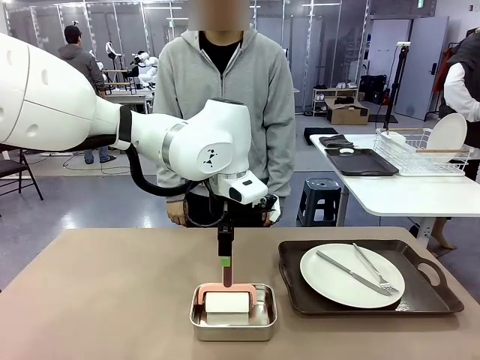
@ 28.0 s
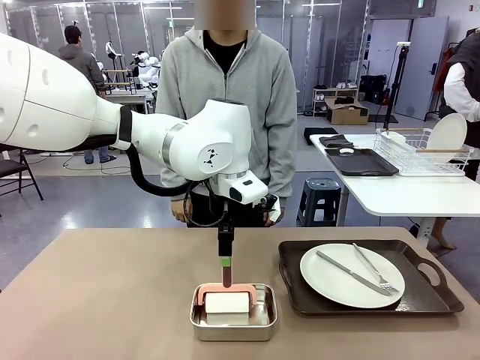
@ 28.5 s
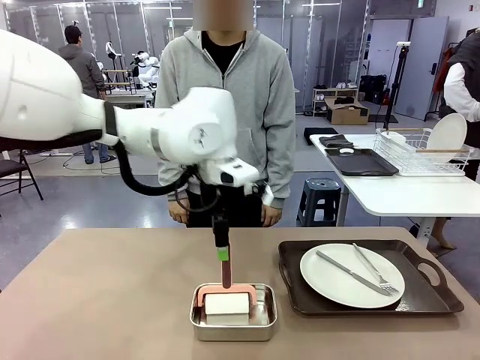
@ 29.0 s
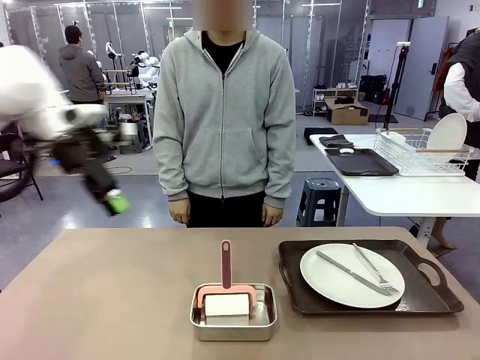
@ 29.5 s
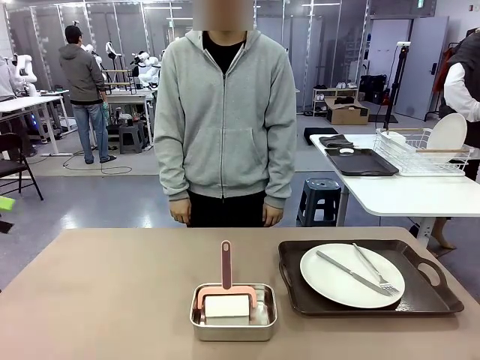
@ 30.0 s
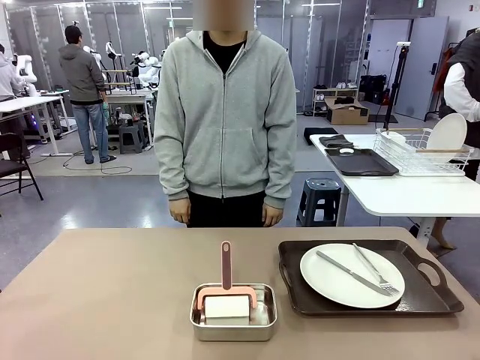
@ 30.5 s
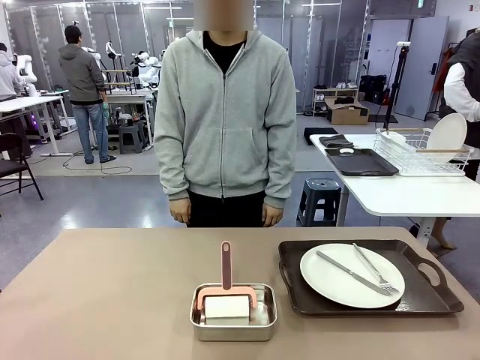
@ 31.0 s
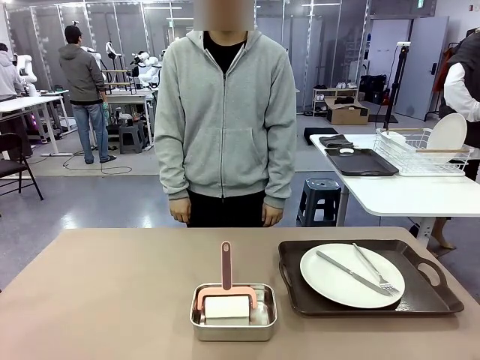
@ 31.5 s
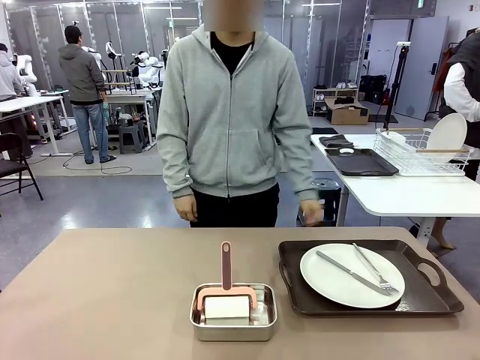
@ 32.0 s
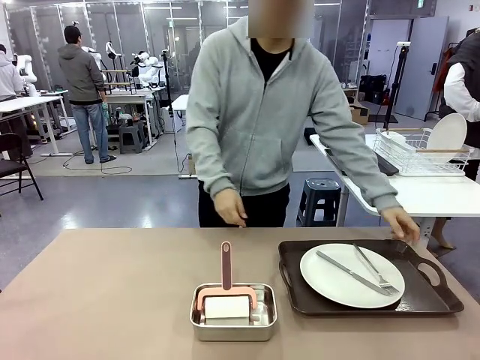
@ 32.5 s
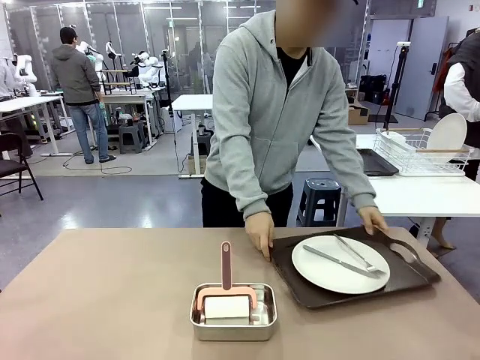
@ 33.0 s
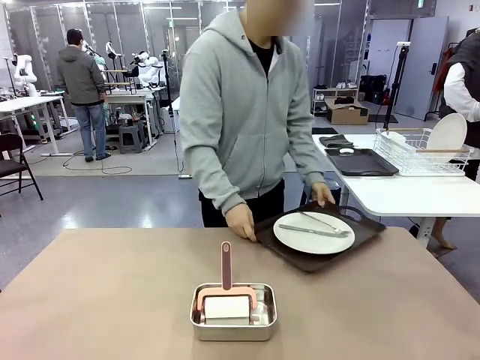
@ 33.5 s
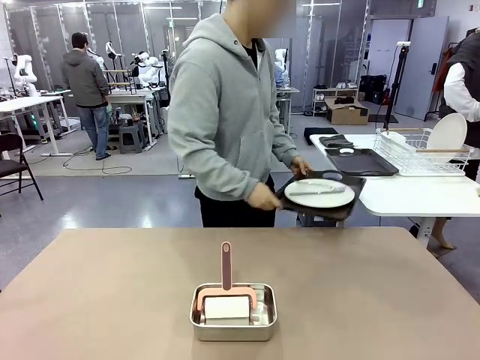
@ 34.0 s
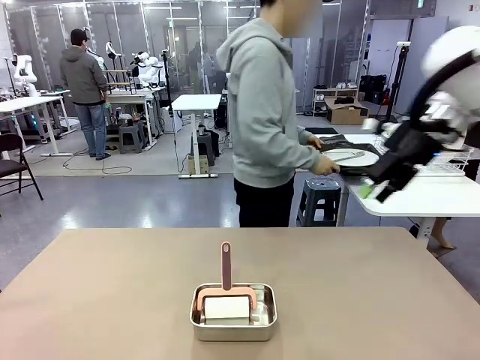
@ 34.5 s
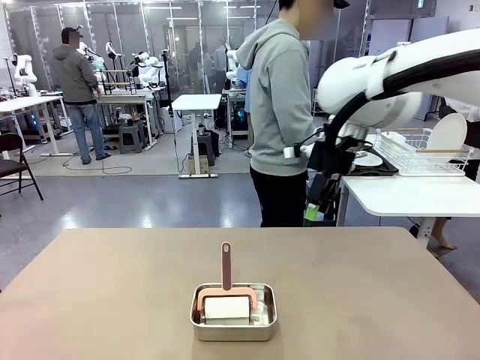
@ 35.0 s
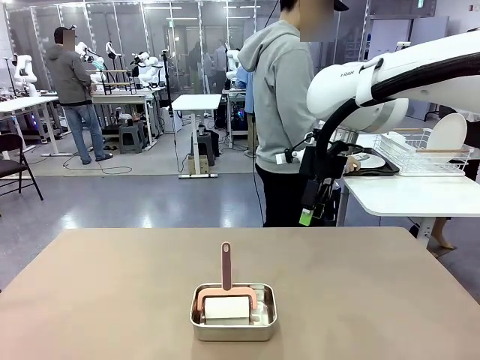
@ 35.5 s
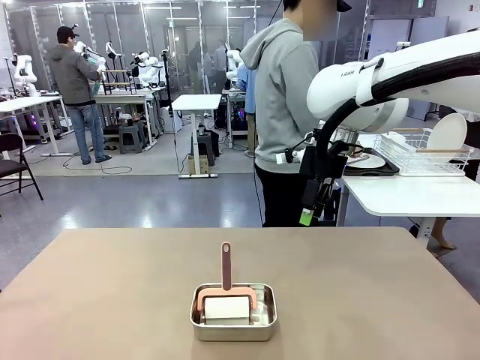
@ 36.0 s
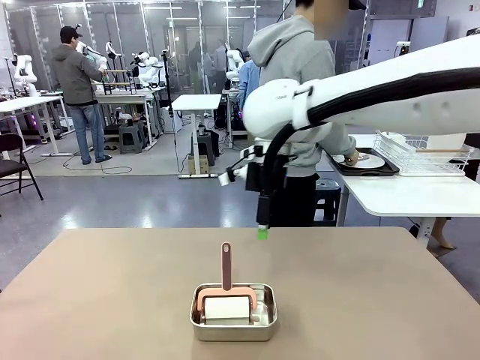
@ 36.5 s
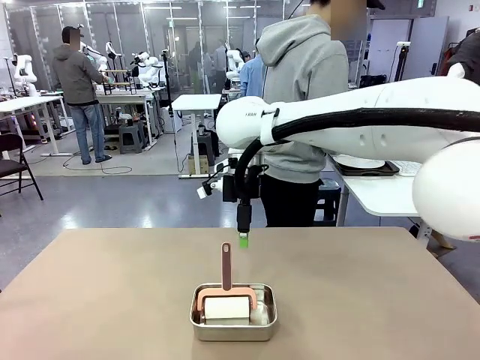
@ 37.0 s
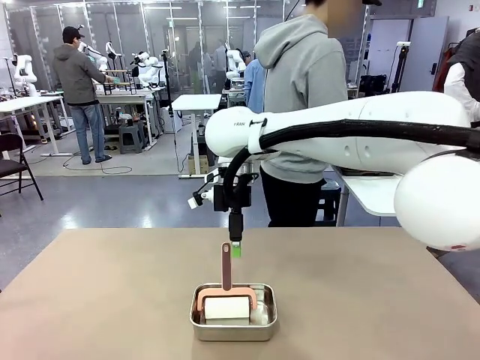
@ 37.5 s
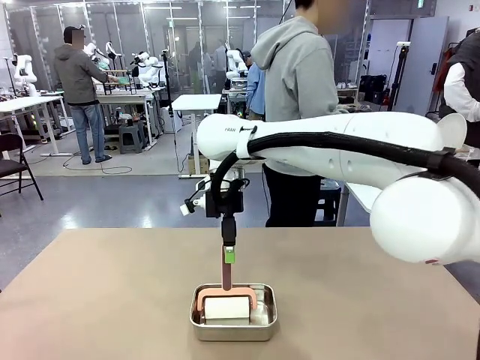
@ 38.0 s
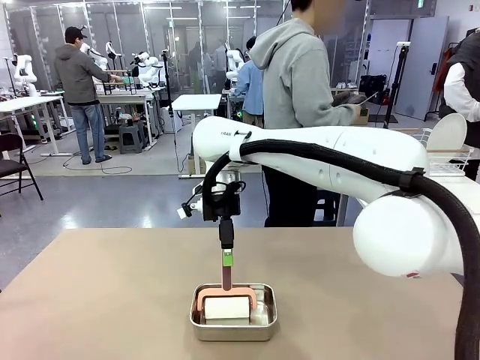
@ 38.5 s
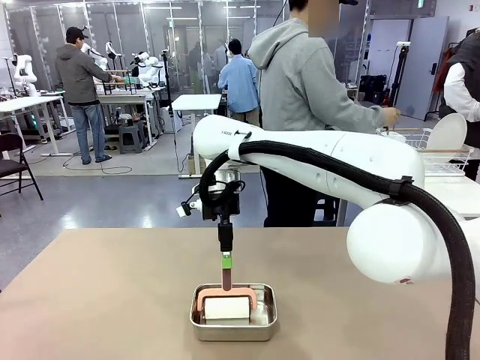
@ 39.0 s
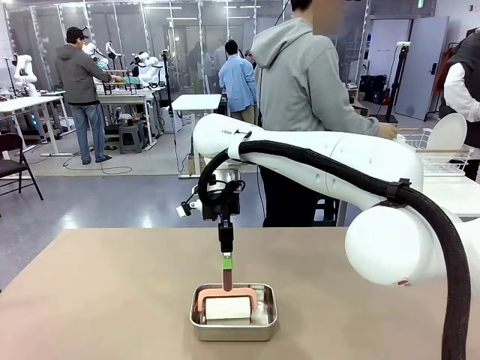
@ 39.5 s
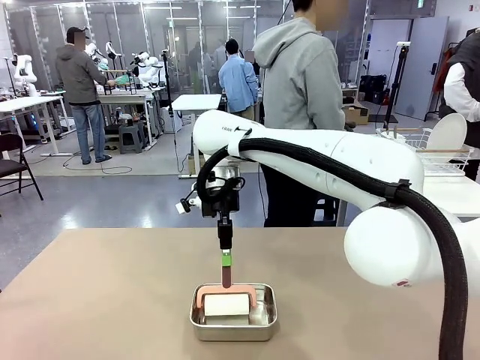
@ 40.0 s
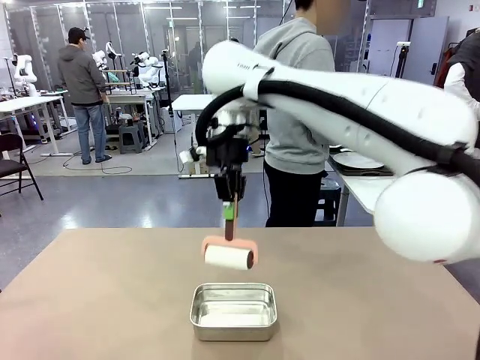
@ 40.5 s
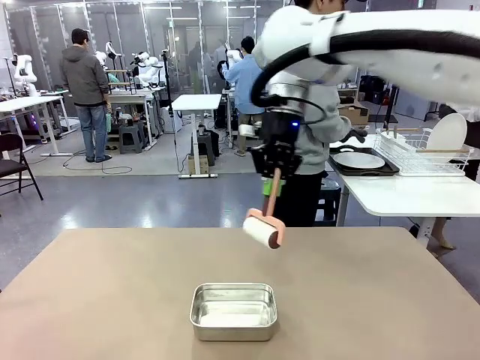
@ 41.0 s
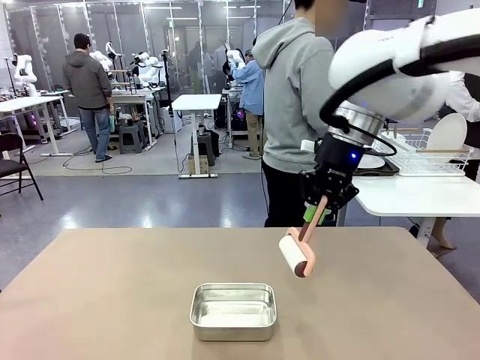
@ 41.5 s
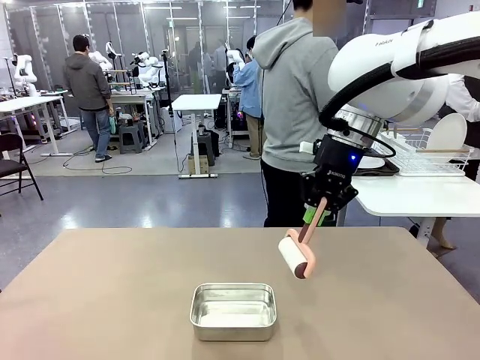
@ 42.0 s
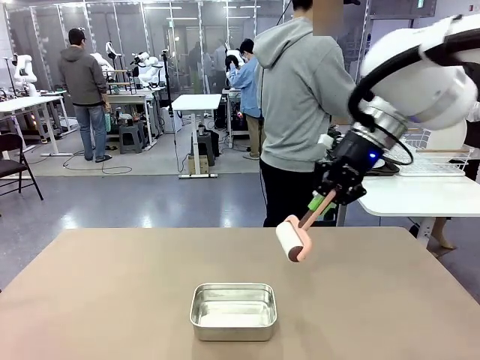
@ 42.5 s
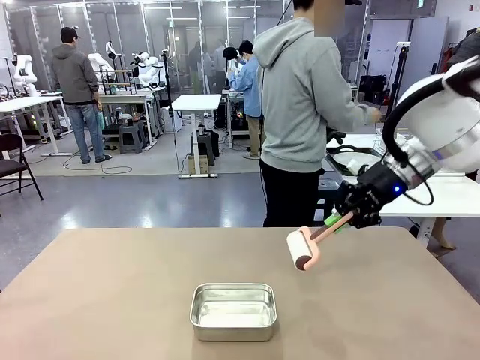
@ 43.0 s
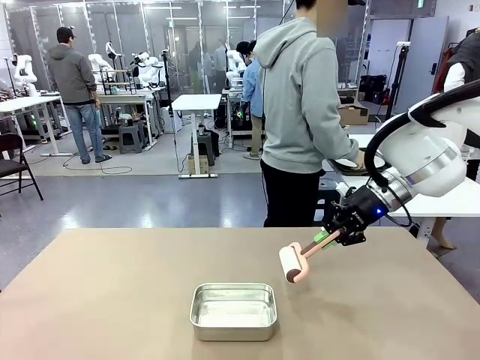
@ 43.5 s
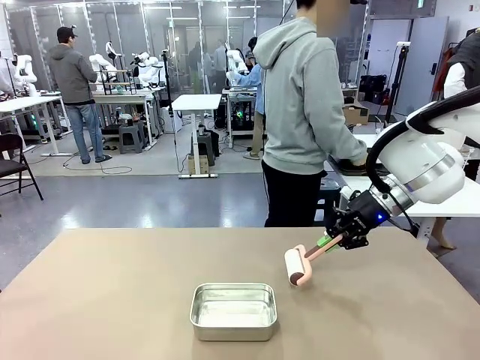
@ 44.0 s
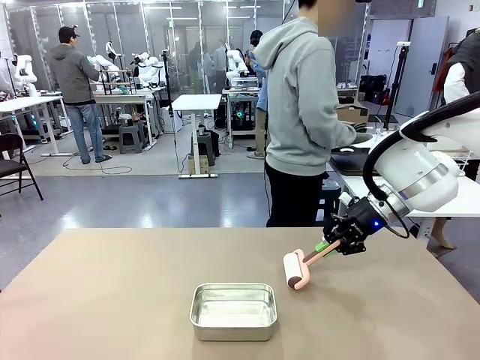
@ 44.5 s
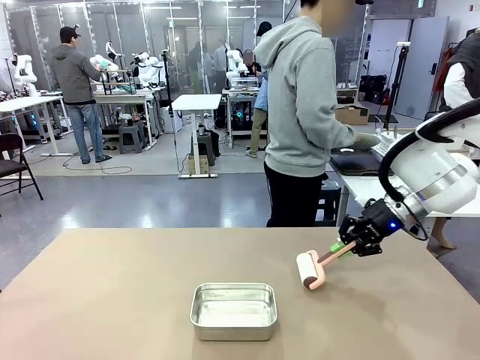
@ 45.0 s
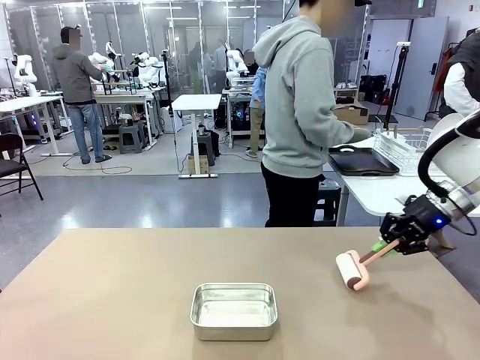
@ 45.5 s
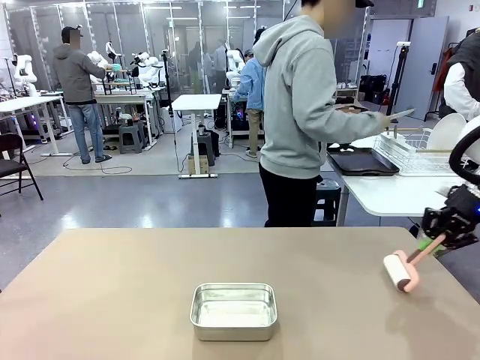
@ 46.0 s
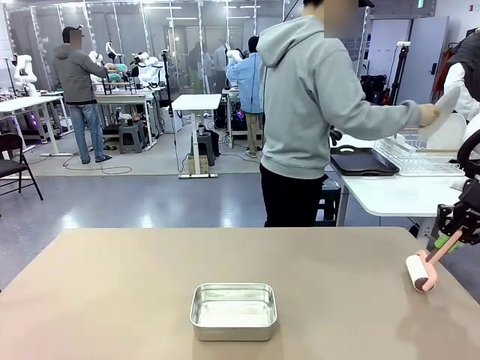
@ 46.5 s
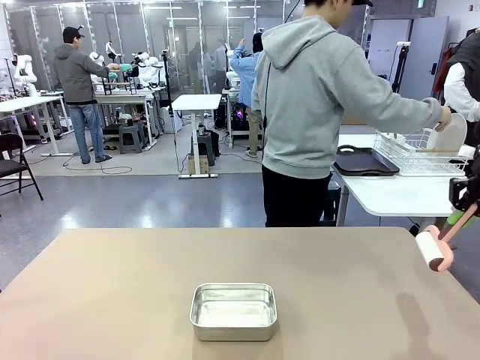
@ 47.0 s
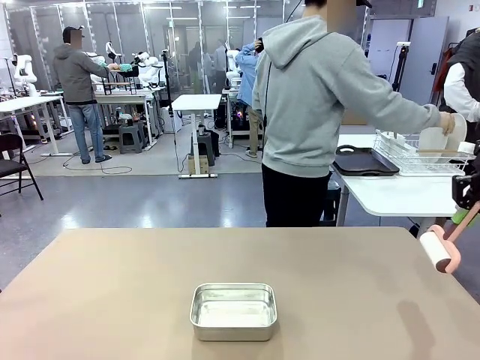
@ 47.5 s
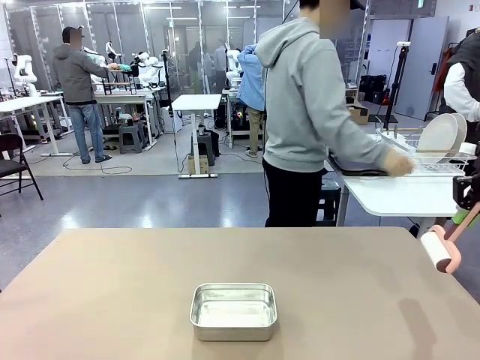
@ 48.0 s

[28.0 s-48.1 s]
Robot: When the right (or left) Handle tray is removed, use the right hand (or left hand) to clean the right (or left) side of the table with the Lint Roller.
Person: Pick up the left (or right) Handle tray and place it on the Handle tray.
